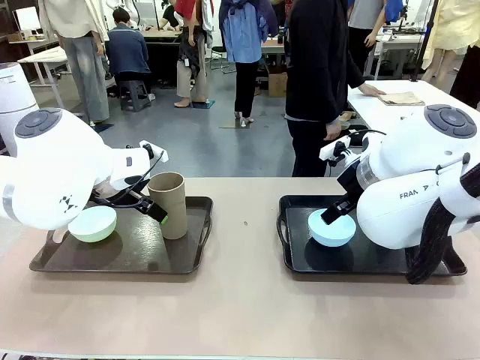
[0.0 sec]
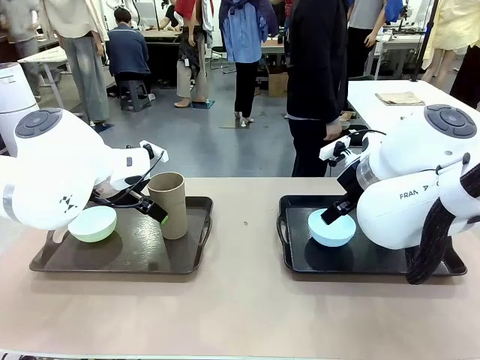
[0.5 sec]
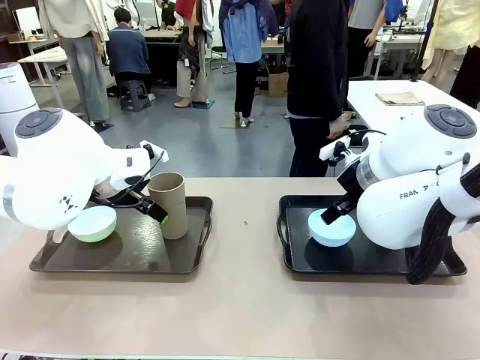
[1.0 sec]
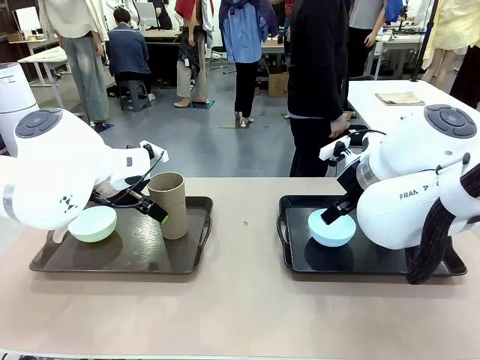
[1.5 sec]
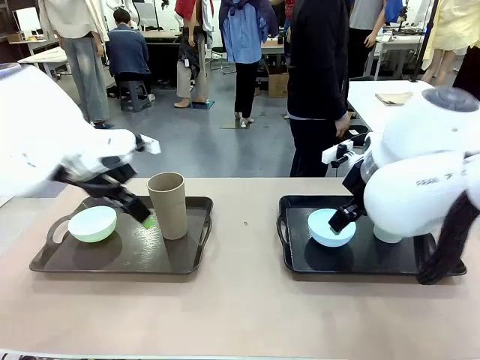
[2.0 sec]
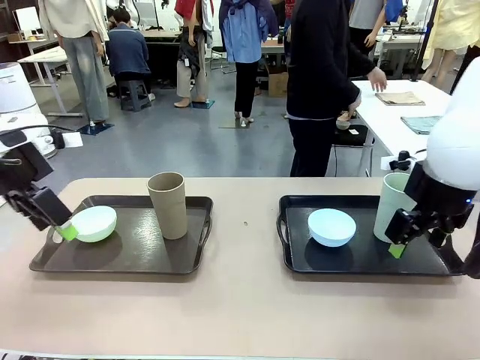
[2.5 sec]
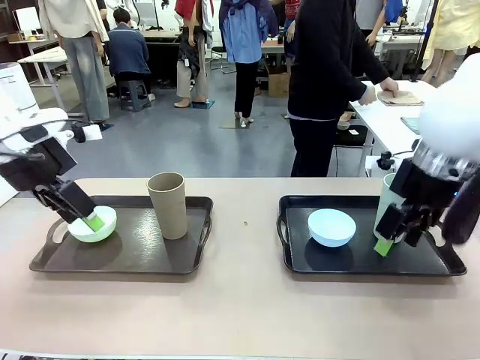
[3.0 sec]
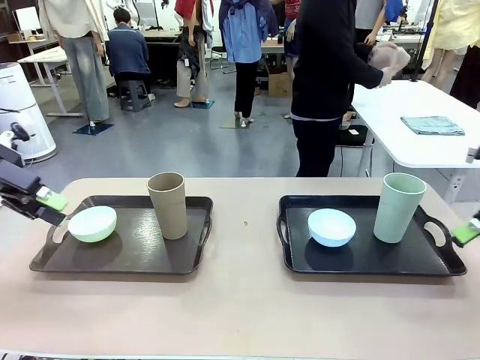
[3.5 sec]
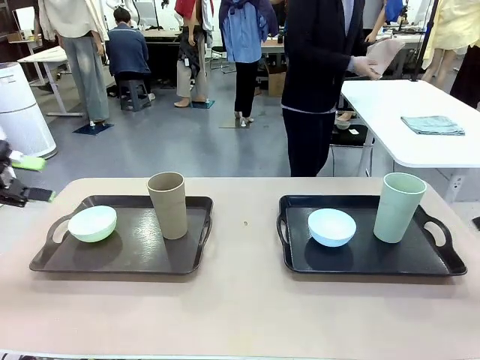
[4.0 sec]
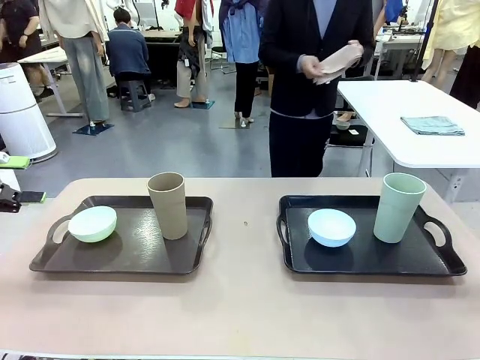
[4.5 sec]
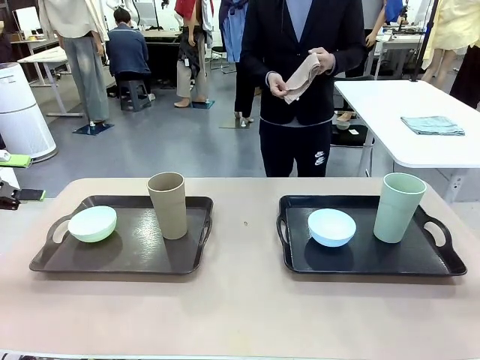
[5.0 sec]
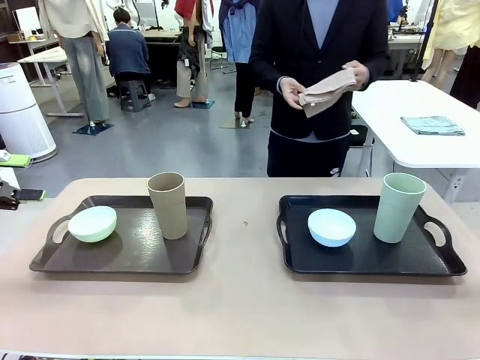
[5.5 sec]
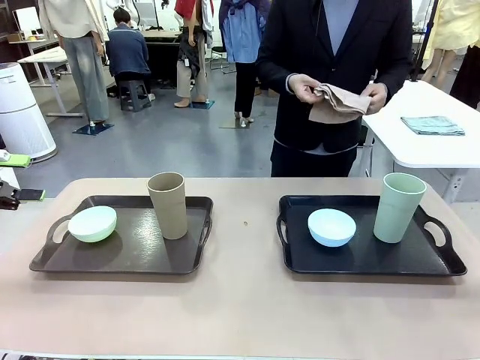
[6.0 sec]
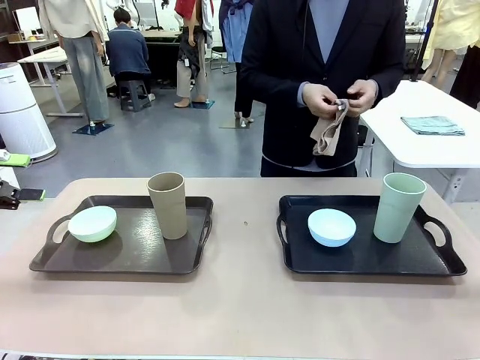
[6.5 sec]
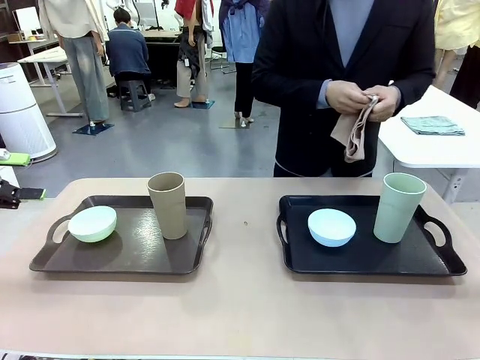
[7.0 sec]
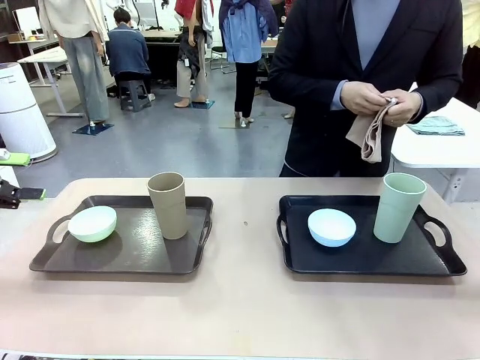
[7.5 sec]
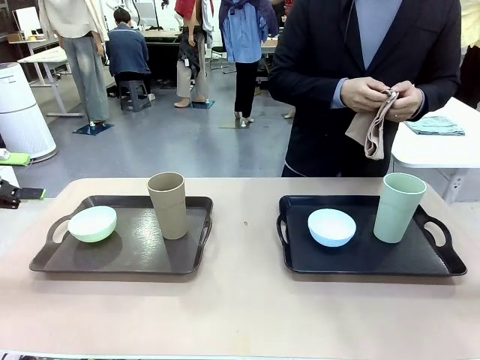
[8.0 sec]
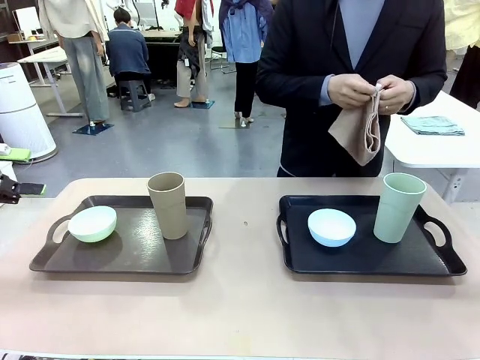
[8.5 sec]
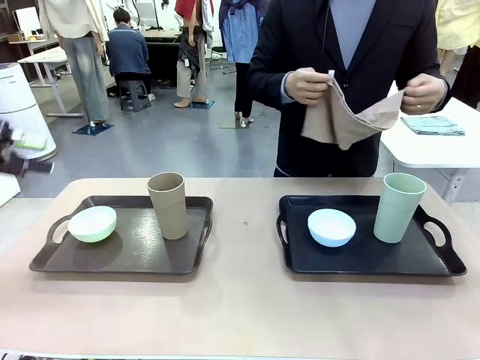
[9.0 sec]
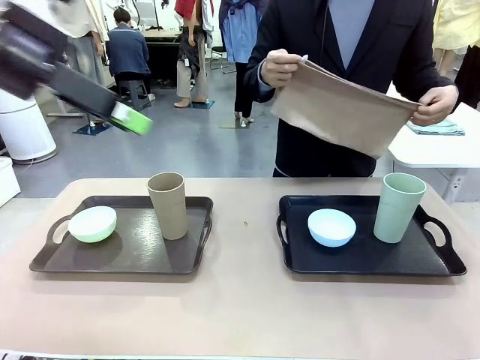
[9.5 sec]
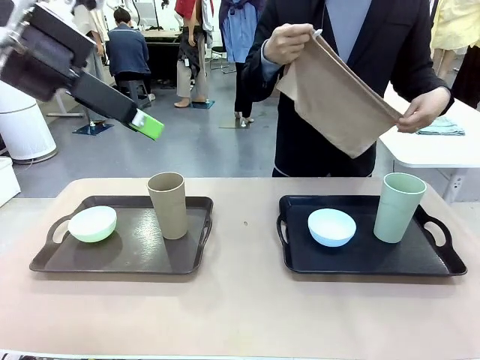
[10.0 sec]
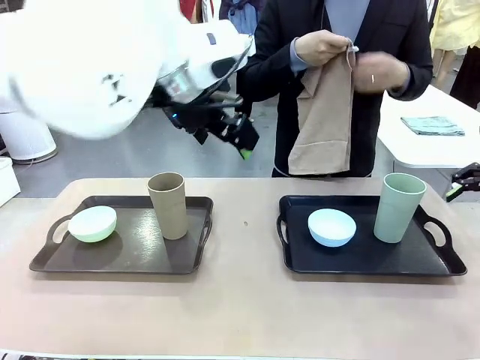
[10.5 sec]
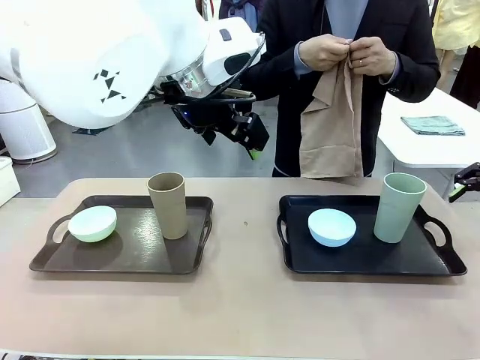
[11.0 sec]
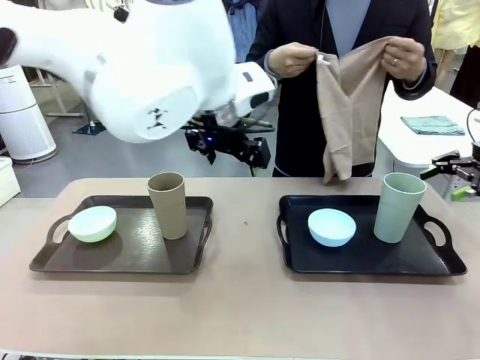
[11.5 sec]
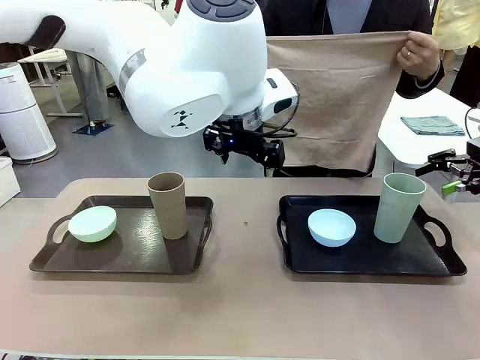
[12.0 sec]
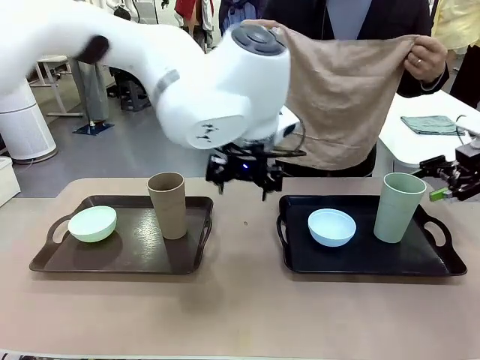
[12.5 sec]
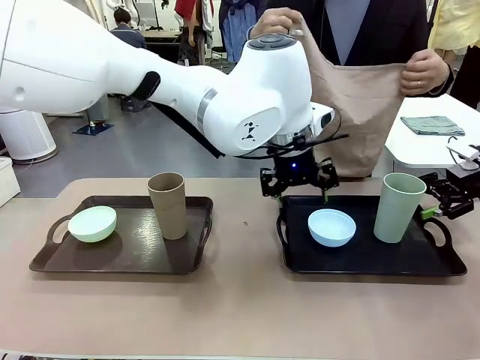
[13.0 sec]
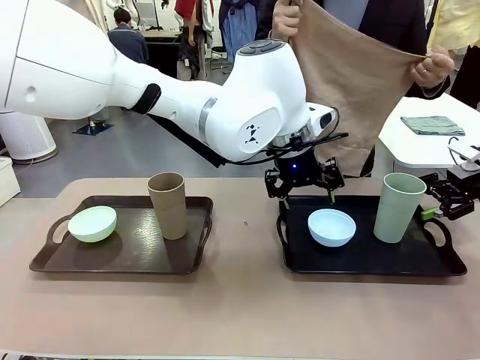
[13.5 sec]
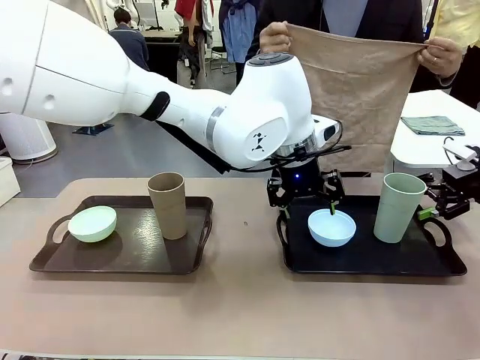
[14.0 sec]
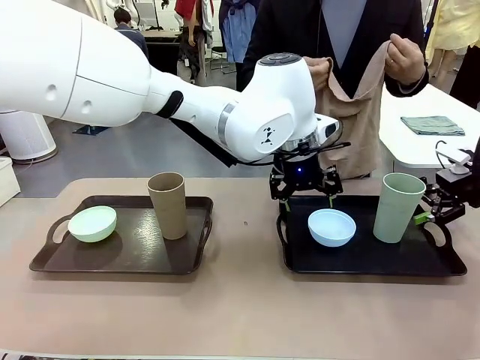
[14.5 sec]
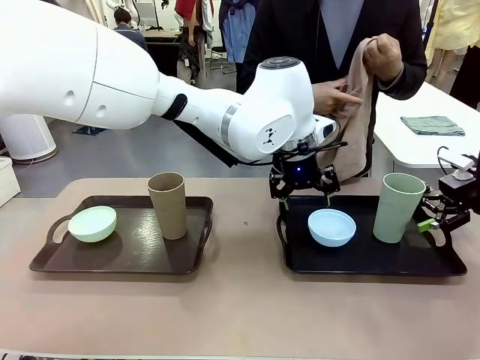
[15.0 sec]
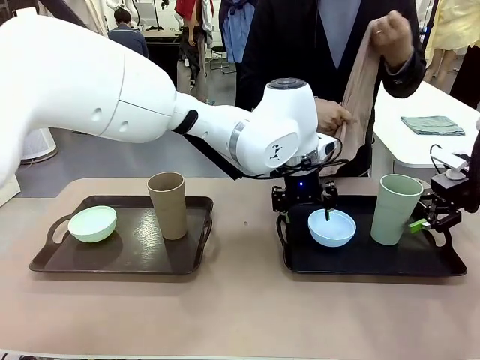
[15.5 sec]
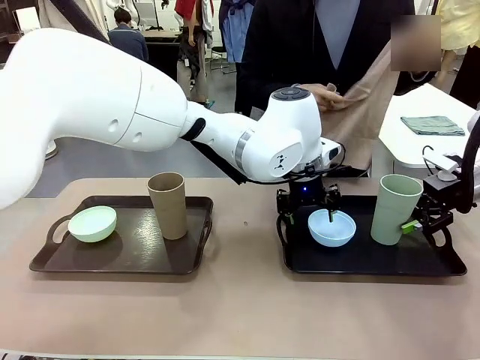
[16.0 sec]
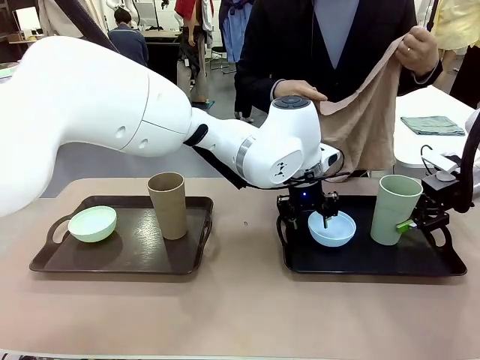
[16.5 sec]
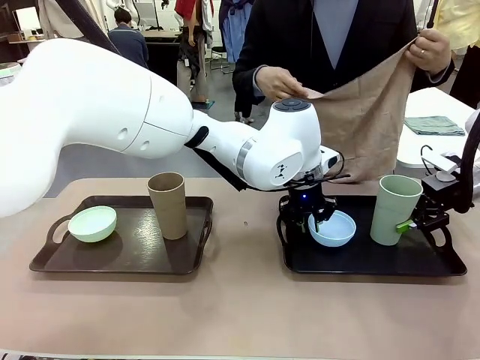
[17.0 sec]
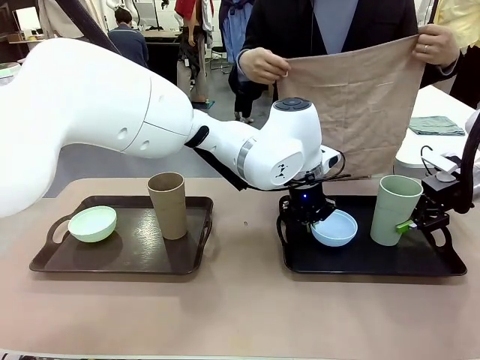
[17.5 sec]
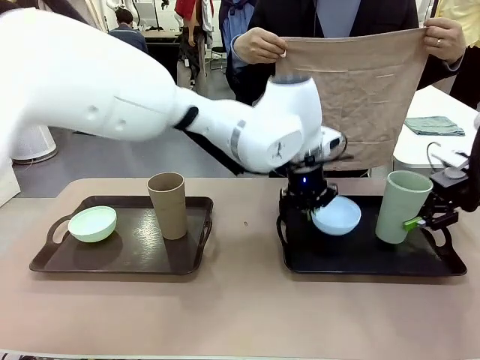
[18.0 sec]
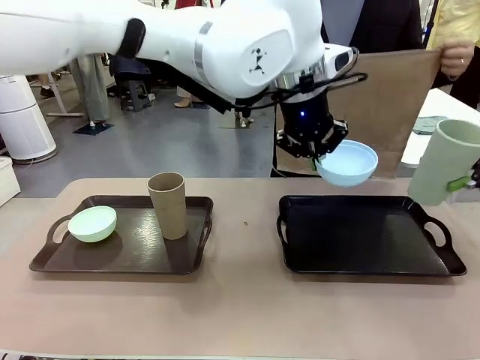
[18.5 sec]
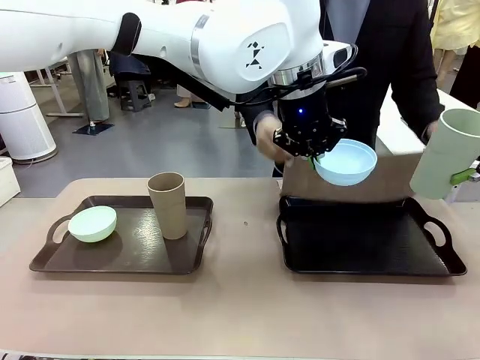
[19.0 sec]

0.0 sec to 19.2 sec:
Robot: Pick up the Picnic Bowl and Reusable plastic cup from the Handle tray in front of the human's position and hold them in the air.
Person: The human picks up the top napkin from the stack on the human table and walks to the robot table to stand in front of one of the two trays. When the robot lifts the bowl and the cup, the human unfolds the napkin and lays the napkin flat on the tray.

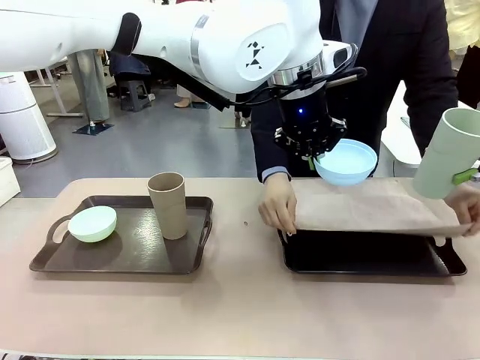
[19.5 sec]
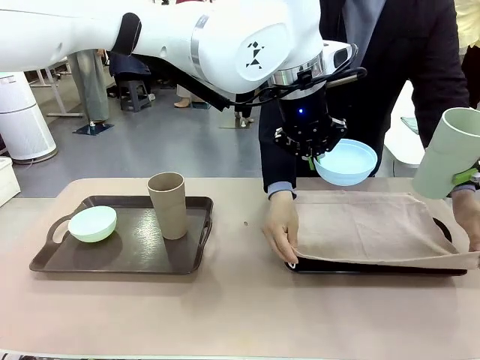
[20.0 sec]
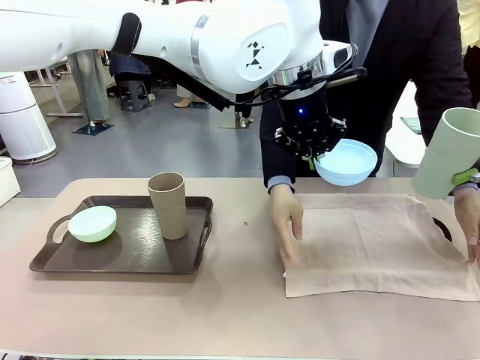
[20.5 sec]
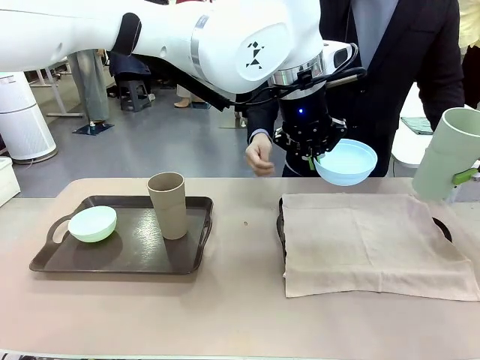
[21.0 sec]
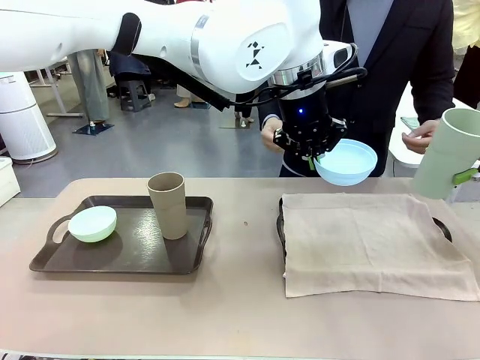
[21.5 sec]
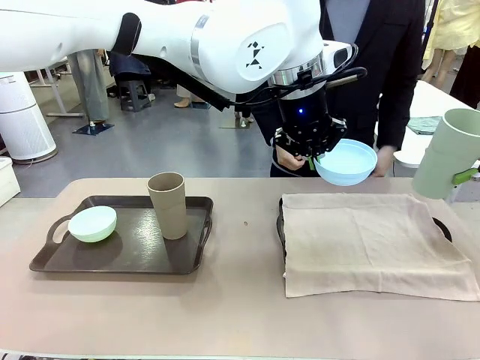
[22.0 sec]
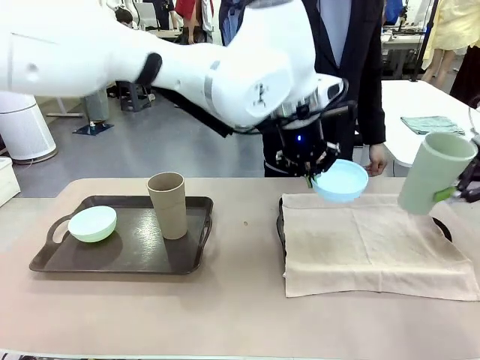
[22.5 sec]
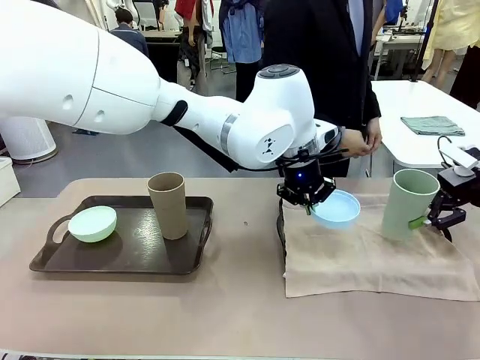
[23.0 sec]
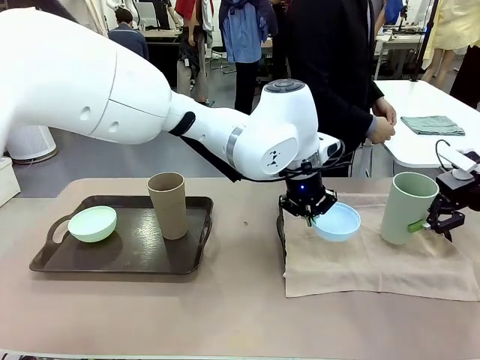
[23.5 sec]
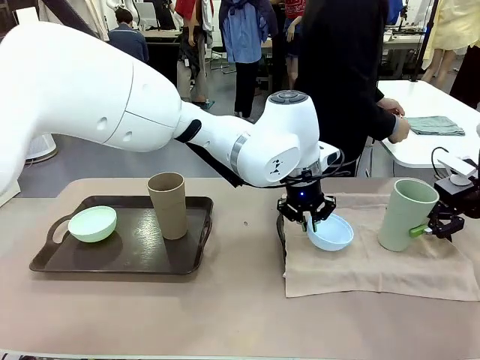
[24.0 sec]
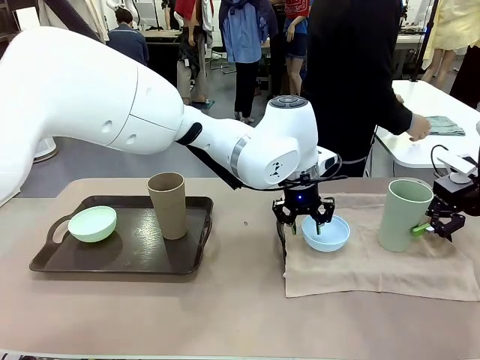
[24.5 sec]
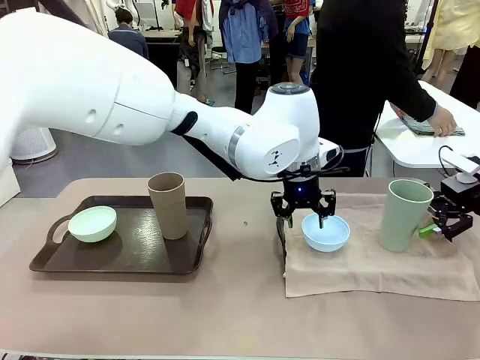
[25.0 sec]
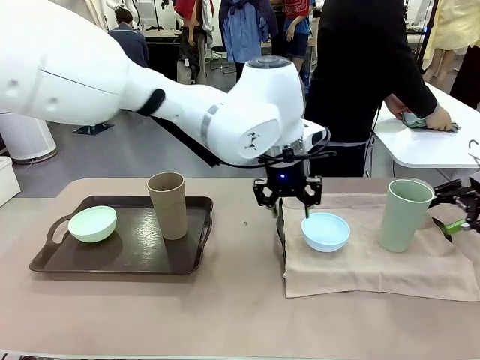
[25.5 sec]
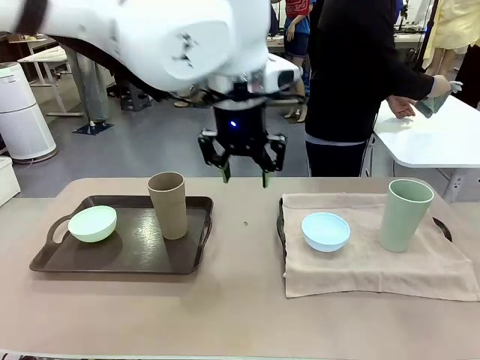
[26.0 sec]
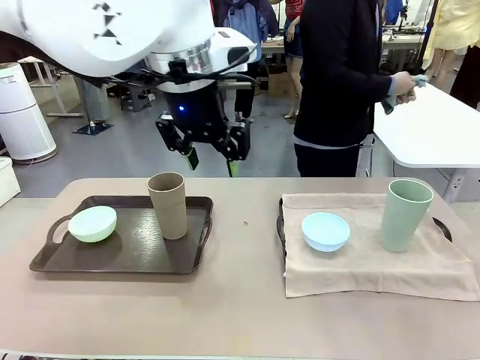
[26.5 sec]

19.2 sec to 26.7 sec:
Robot: Place the Picnic Bowl and Reusable plastic cup back onto the Handle tray in front of the human's position.
Person: The human returns to the human table to pick up another napkin and walks to the robot table to stand in front of the tray without a napkin.
